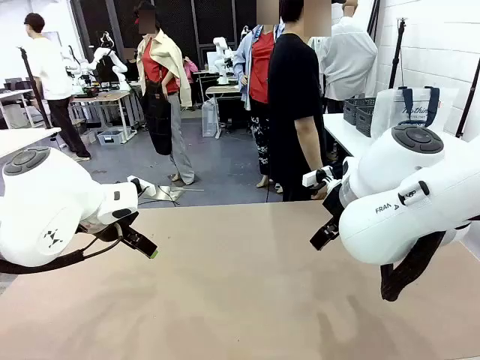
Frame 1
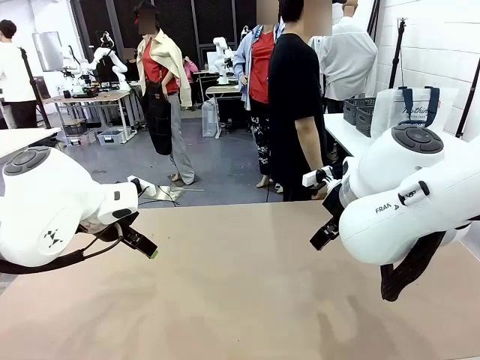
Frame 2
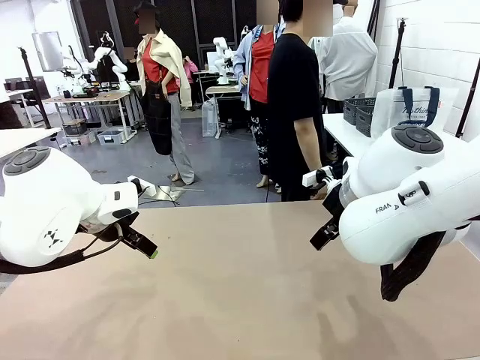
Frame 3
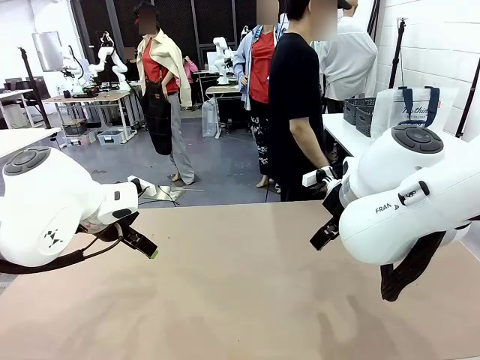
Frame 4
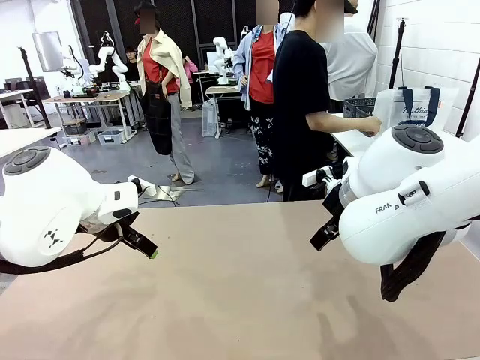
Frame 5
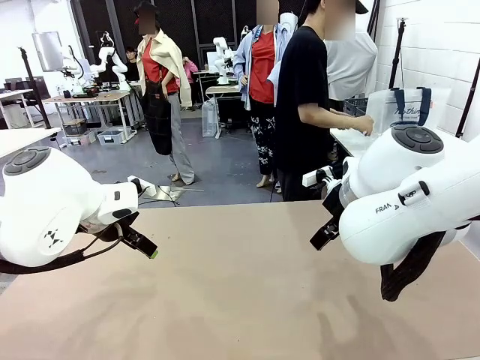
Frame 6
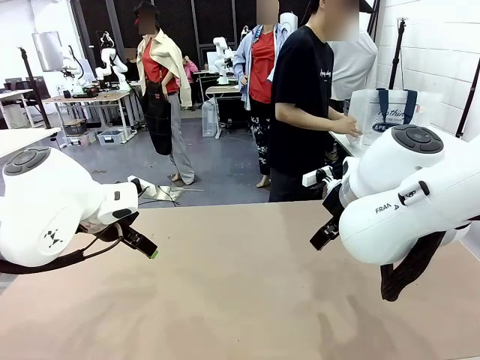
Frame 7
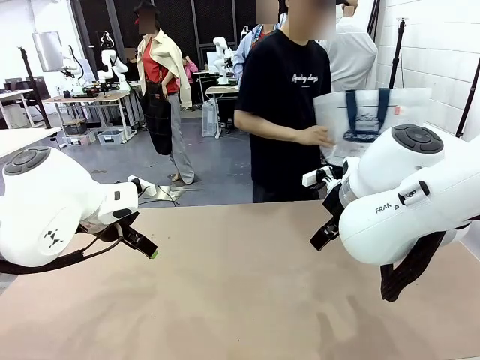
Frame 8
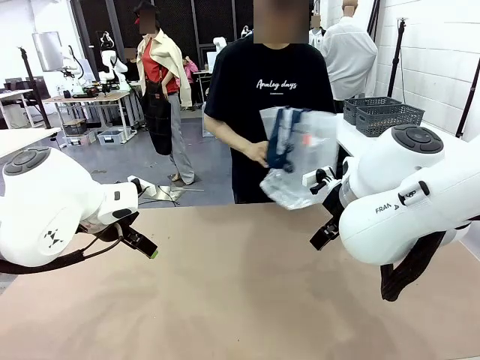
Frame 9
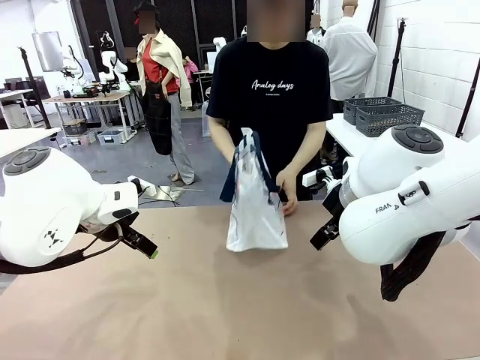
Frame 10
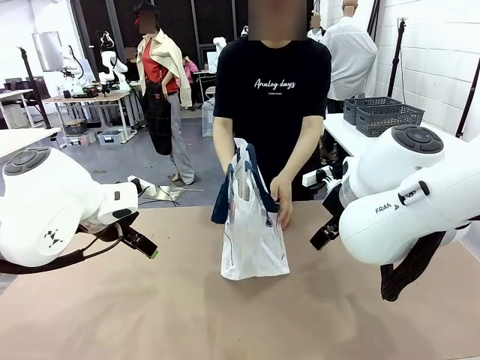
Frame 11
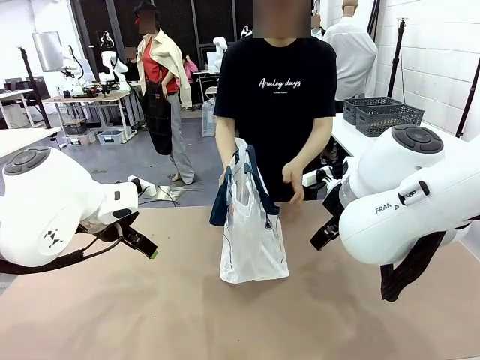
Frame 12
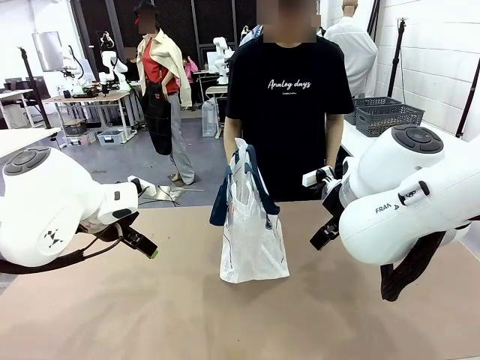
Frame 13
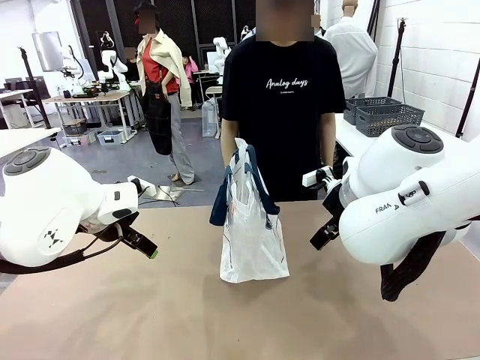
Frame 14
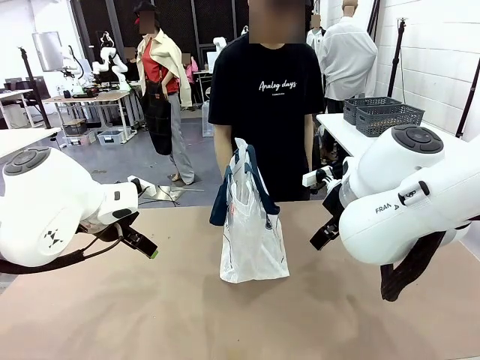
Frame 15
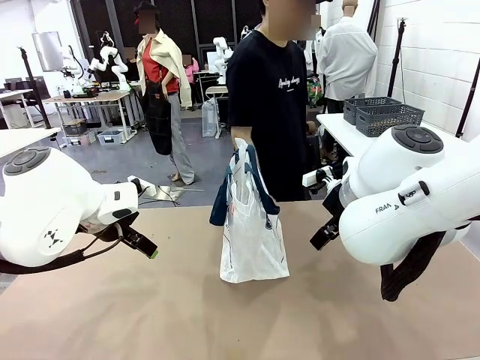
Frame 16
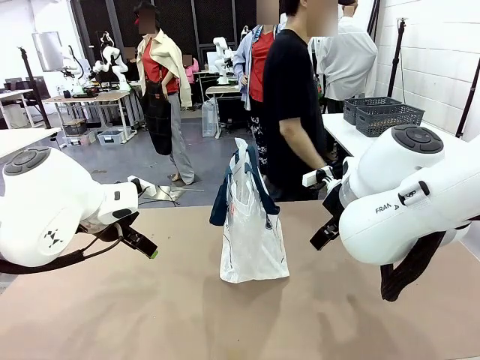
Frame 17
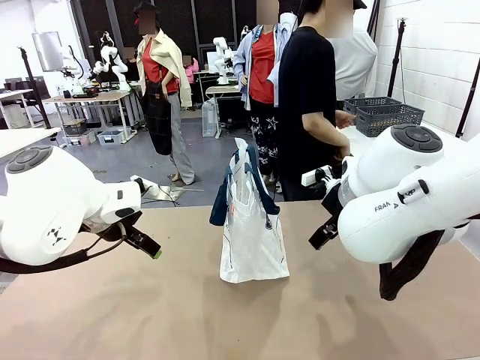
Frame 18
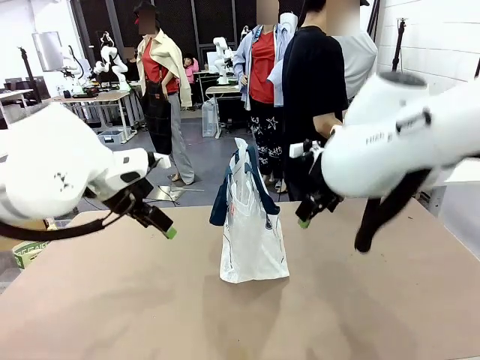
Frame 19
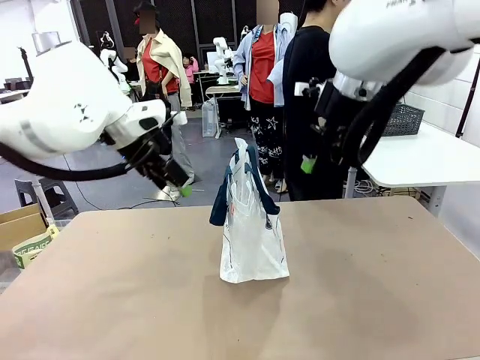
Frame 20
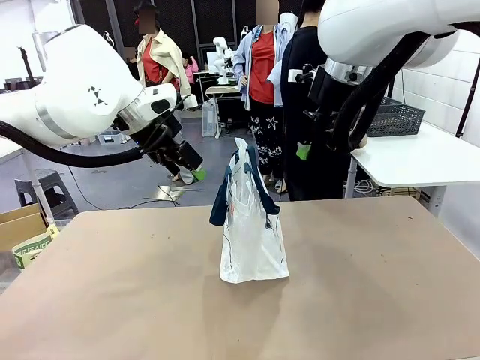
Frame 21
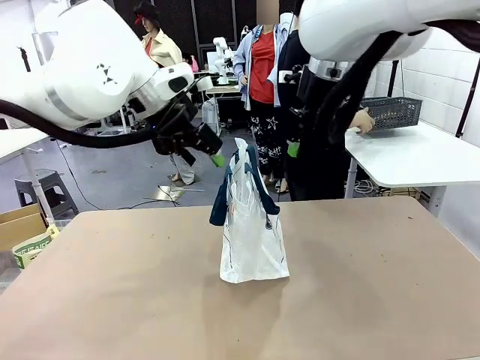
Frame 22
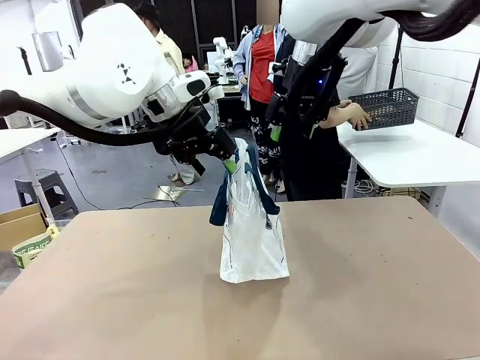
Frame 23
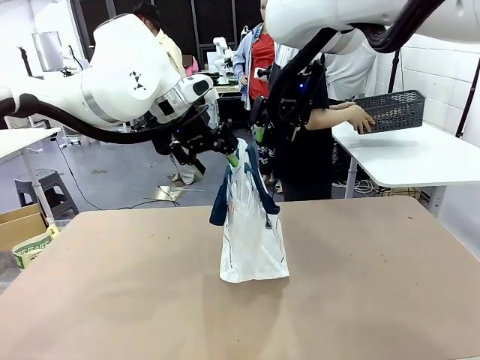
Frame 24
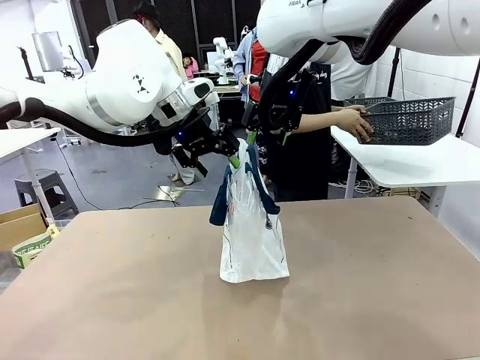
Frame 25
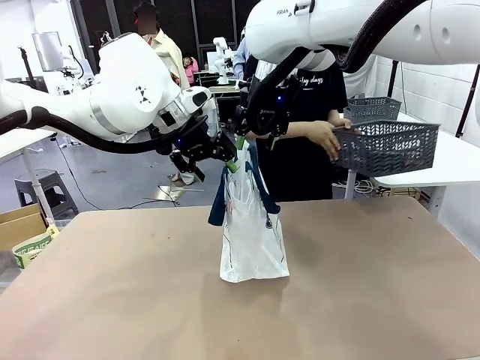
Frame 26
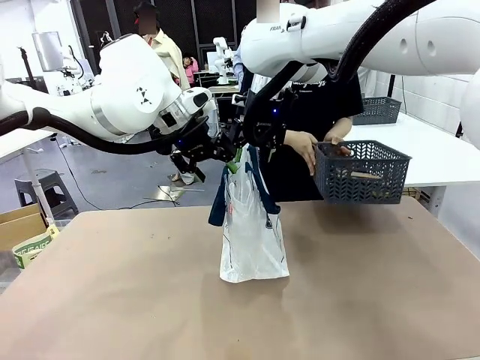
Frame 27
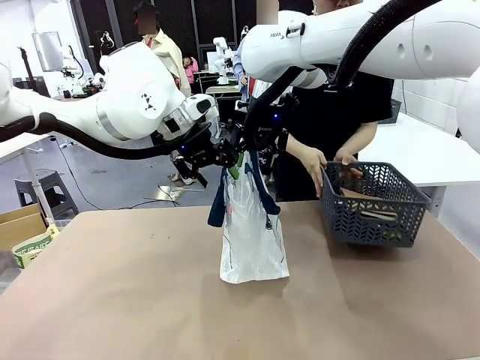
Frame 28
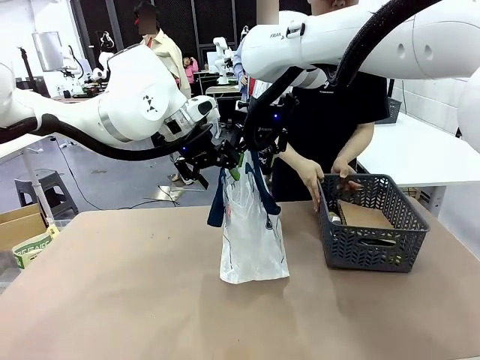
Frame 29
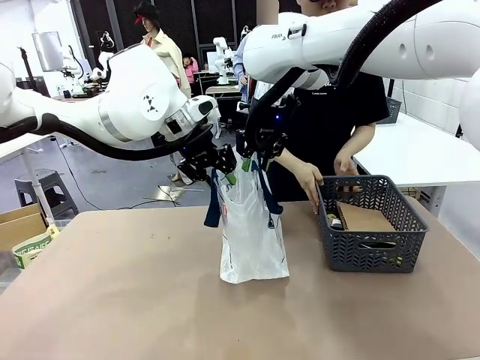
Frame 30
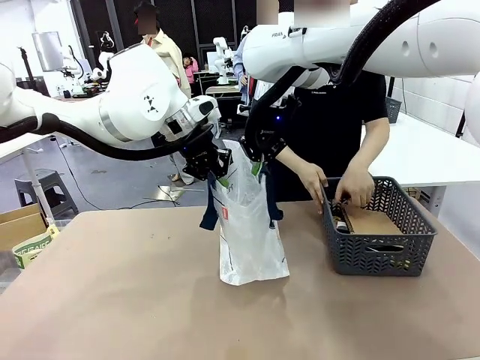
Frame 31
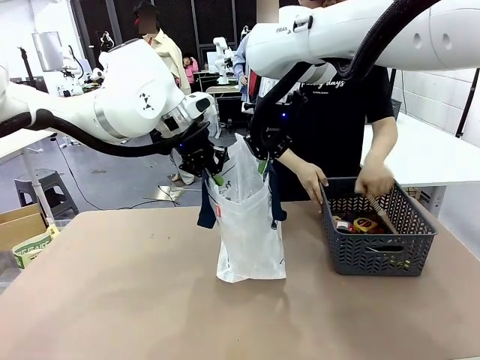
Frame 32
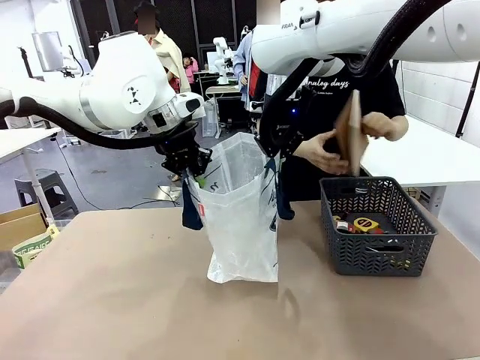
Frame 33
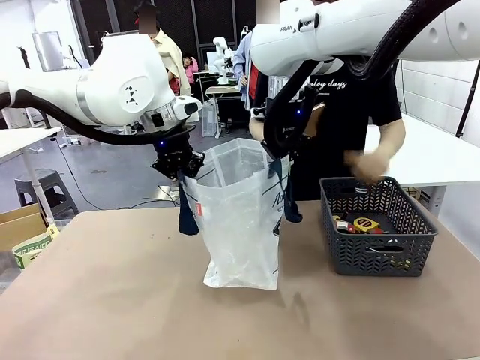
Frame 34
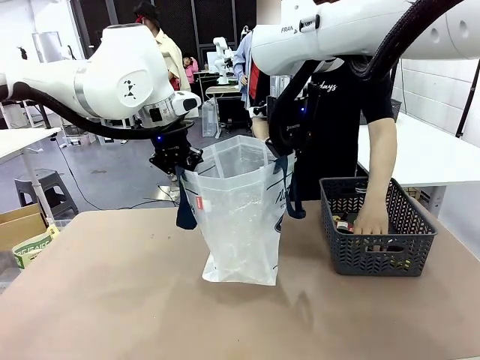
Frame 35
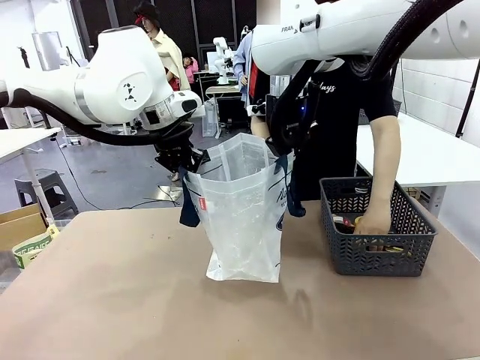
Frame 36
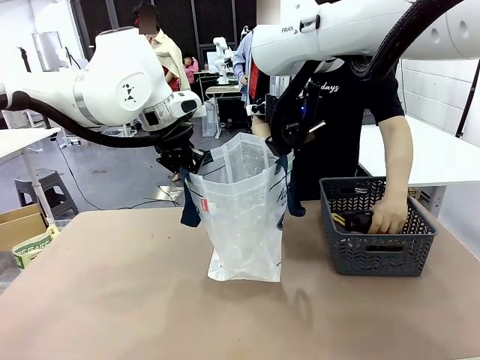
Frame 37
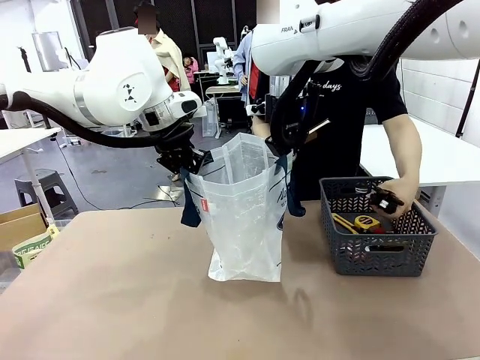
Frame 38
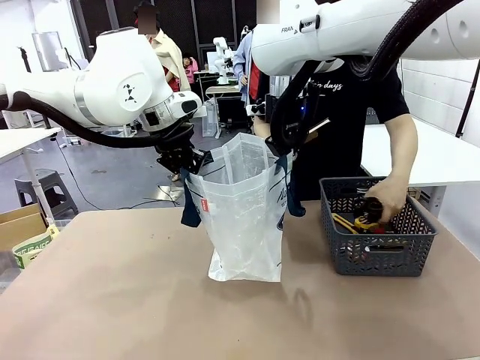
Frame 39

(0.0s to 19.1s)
Task: Transfer purchased items from the store into the shopping bag.
Robot: Open the Reusable shopping bag in the center of the table.
Person: Pick up the shopping bag and place it in the middle of the robot table.
